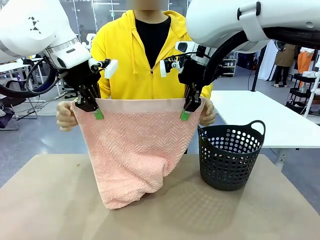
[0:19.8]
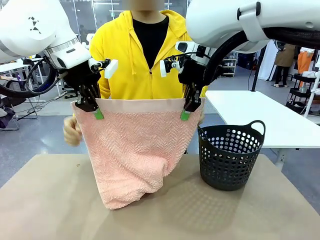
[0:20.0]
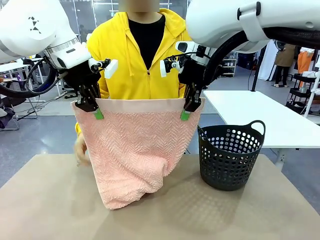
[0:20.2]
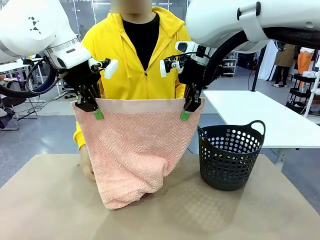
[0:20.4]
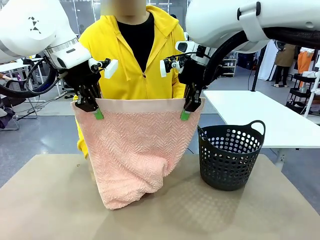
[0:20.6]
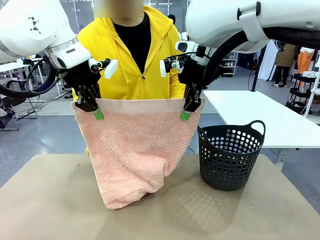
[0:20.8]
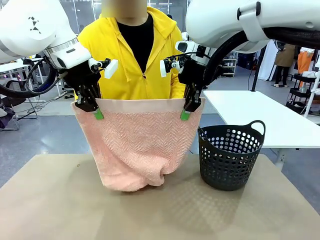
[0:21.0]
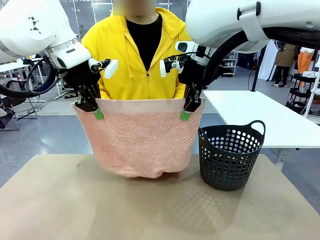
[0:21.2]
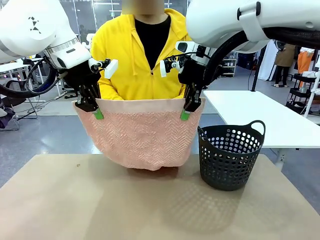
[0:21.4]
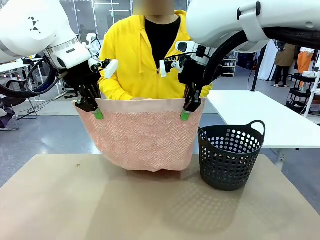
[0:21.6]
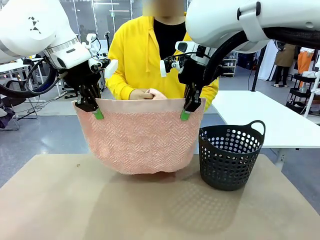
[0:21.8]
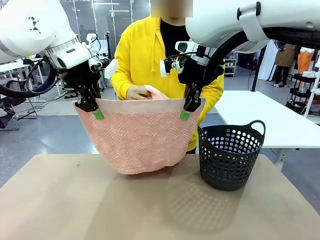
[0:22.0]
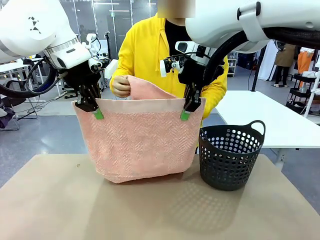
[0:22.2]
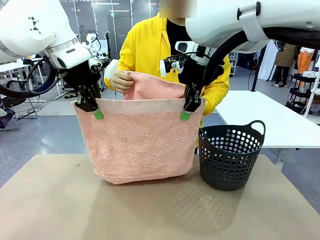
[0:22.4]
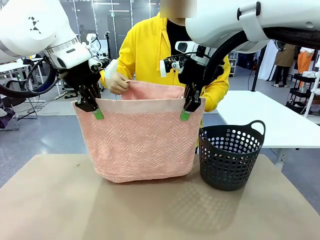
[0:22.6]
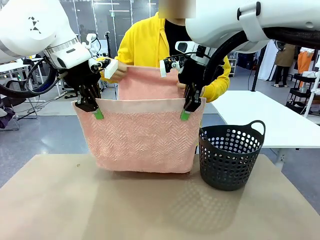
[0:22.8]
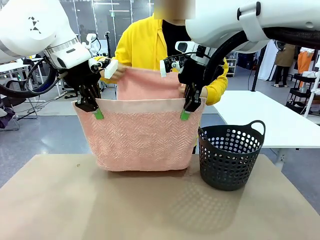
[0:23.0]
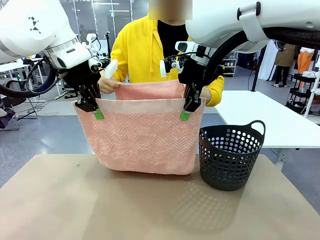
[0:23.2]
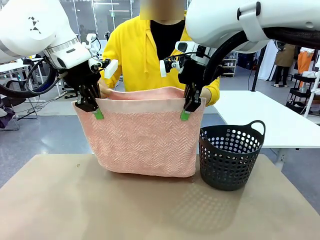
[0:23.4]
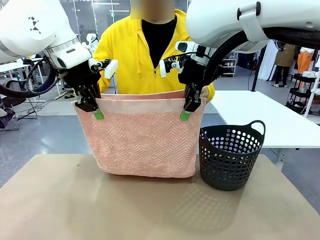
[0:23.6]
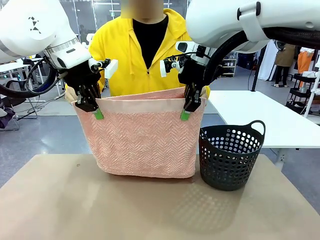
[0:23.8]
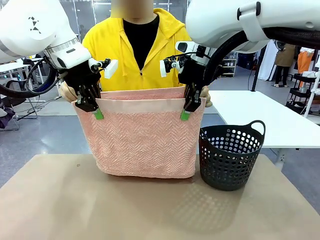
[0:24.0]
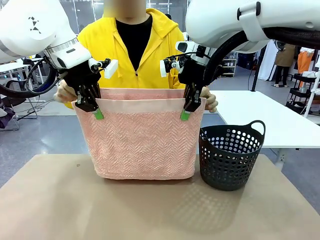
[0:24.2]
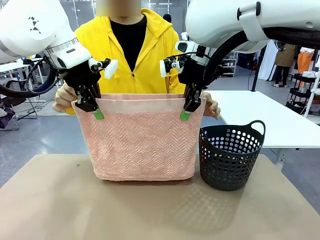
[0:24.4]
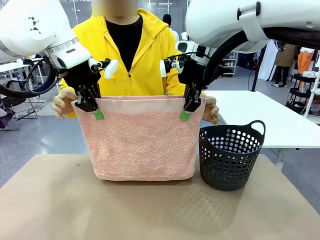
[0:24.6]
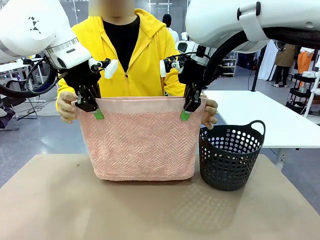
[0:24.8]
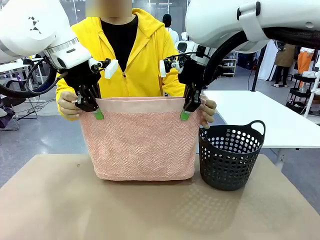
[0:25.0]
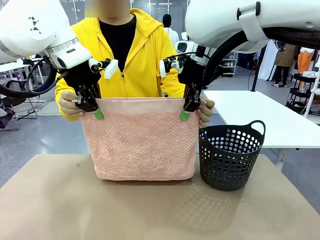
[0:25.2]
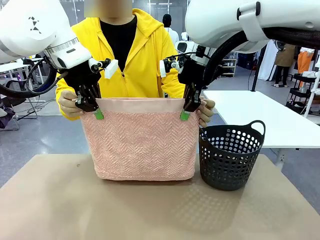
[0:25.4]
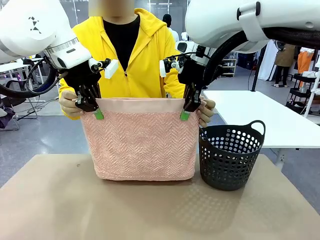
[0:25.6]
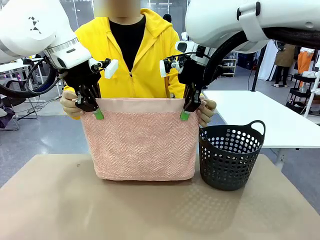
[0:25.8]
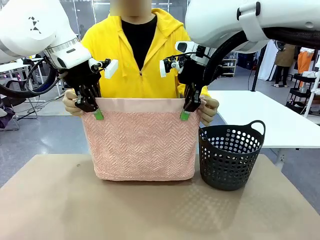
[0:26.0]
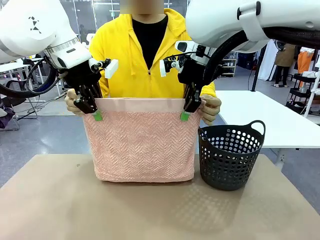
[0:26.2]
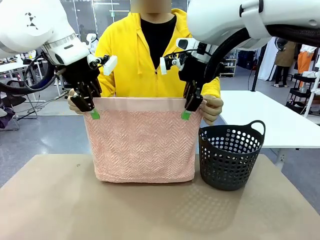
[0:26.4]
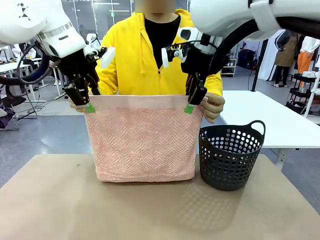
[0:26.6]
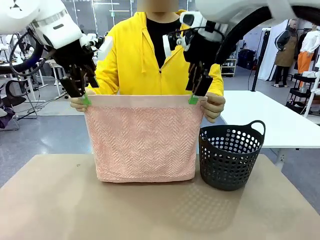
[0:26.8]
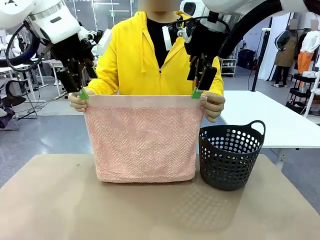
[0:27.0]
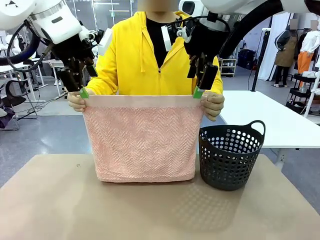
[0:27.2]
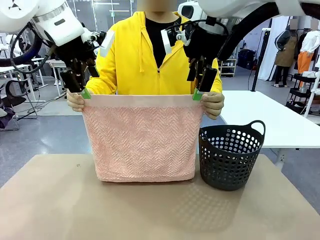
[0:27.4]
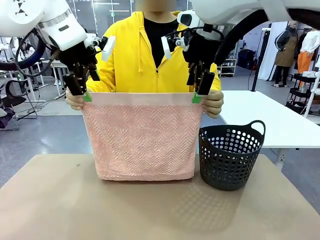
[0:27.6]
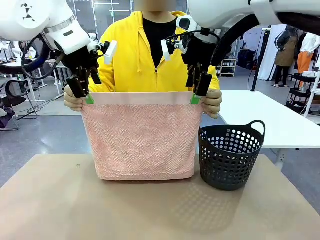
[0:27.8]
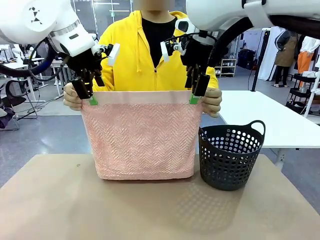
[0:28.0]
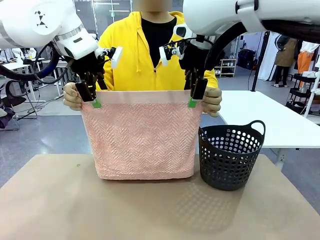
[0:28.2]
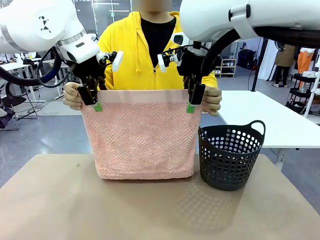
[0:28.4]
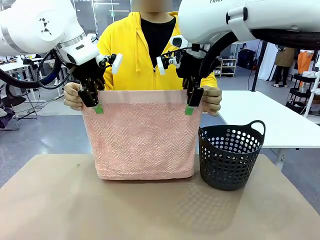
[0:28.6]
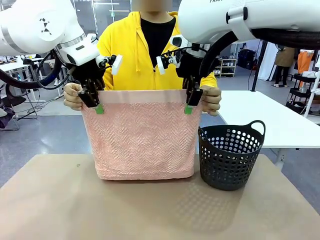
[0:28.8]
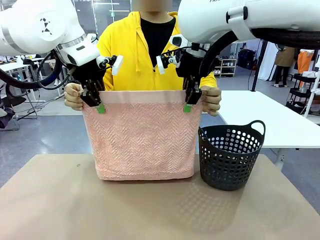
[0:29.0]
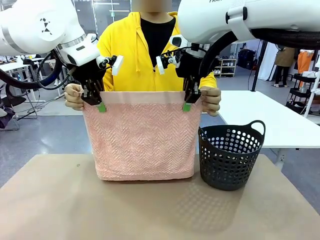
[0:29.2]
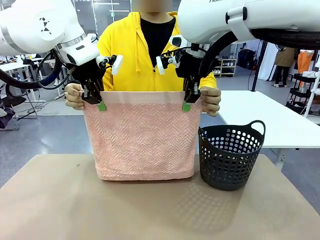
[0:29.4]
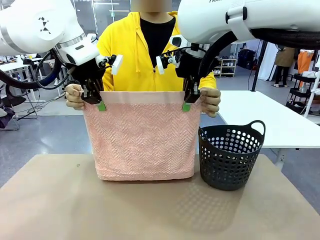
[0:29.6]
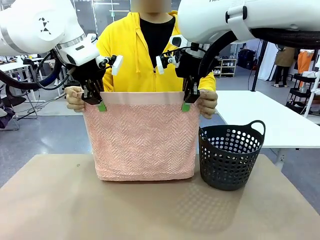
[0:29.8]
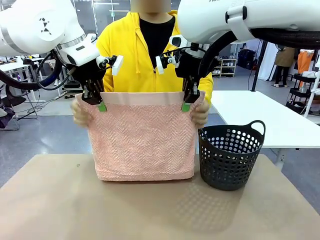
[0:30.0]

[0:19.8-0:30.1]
Task: Fold the towel.
Robot: Release the end of the 100 cm Hotel Towel you were holding and grab the top end of the folded side.

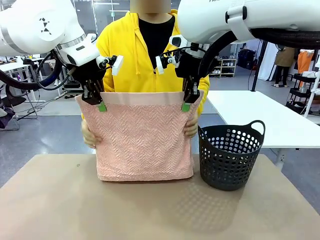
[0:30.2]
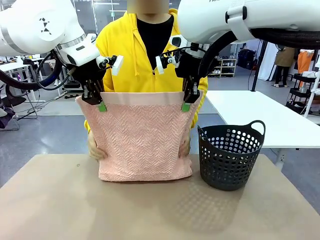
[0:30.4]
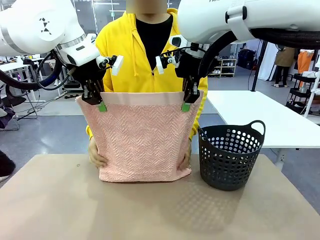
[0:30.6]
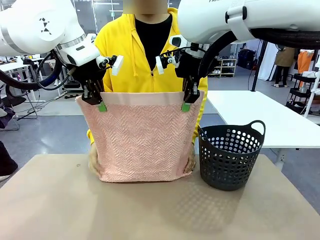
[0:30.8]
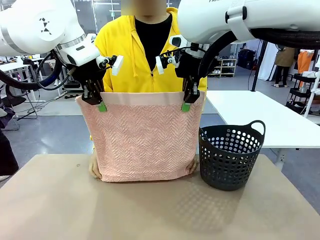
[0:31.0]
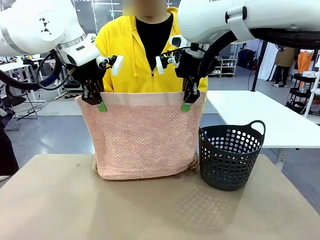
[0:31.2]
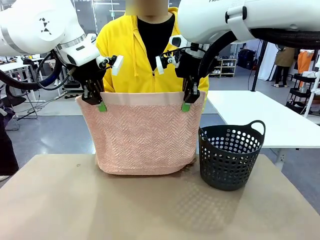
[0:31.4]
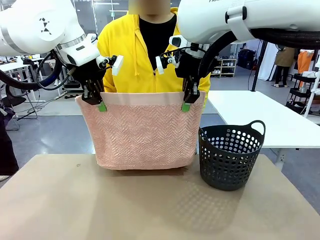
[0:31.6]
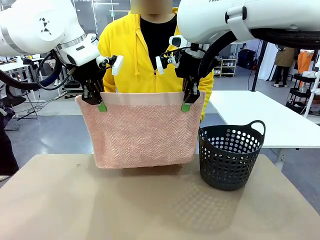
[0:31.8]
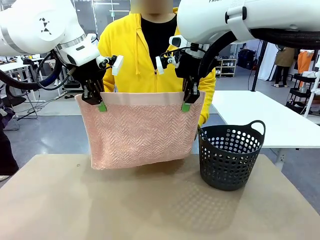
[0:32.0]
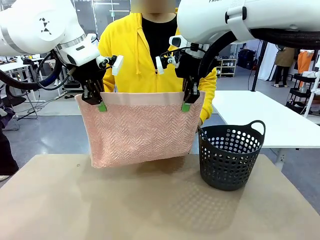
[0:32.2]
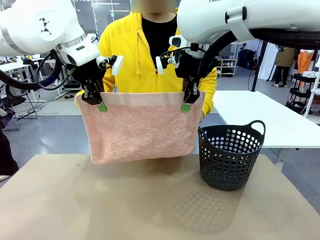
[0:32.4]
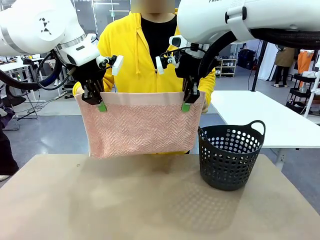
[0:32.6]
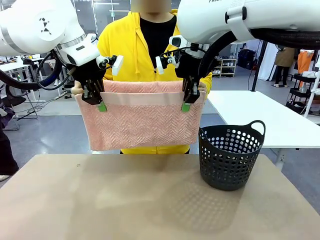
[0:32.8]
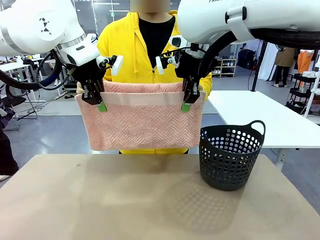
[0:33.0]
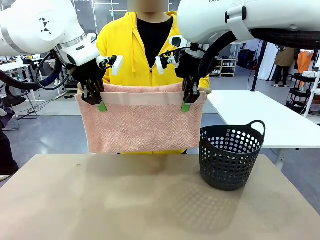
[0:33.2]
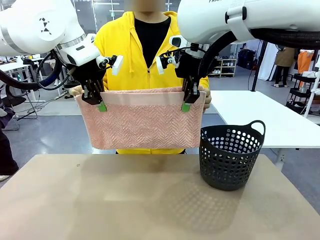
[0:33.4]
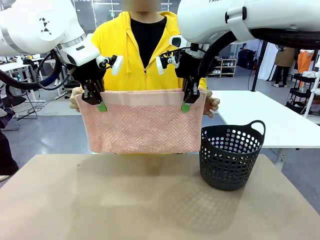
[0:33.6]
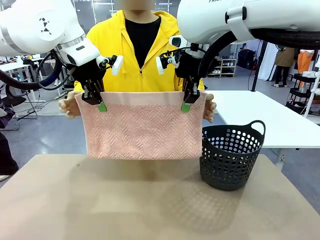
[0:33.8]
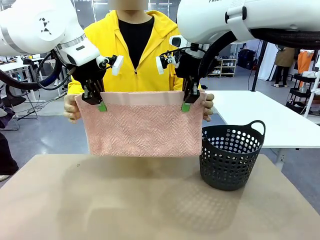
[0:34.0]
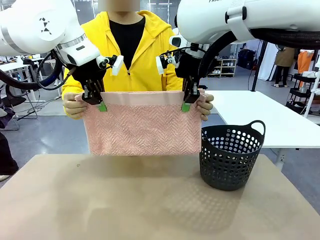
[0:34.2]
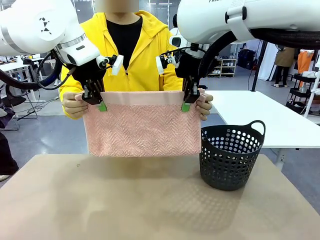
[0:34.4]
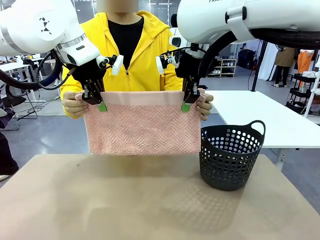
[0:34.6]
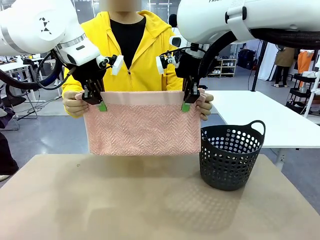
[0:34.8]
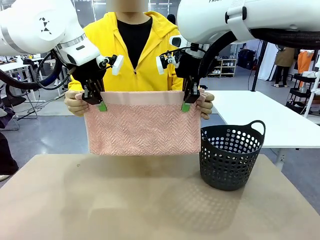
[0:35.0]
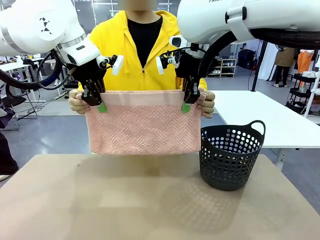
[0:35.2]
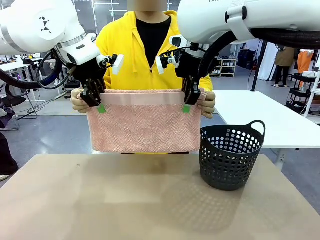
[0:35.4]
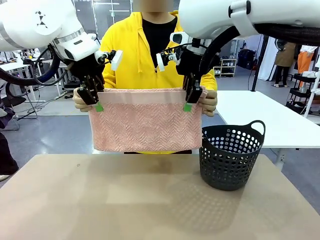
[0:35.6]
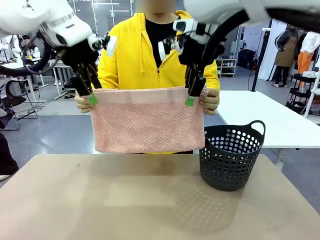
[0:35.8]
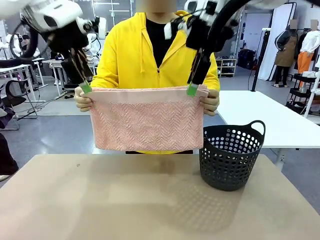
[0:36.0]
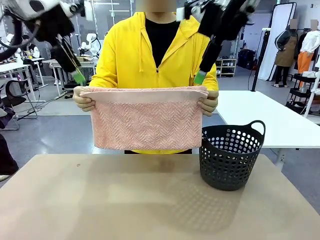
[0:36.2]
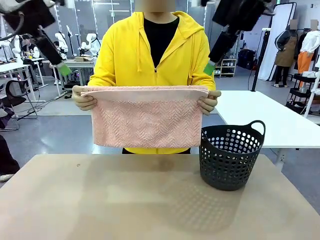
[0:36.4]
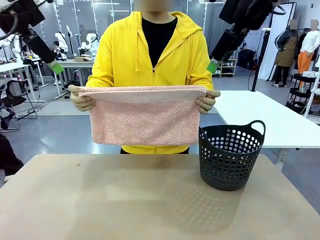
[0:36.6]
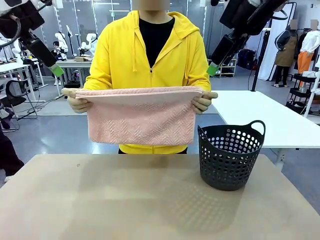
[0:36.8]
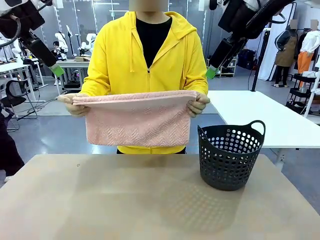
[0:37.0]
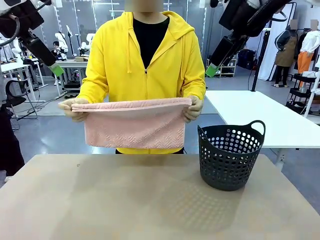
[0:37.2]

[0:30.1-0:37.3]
Robot: Release the end of the 100 cm Hotel Towel you were holding.
